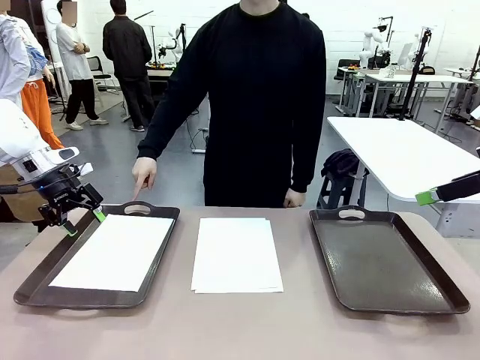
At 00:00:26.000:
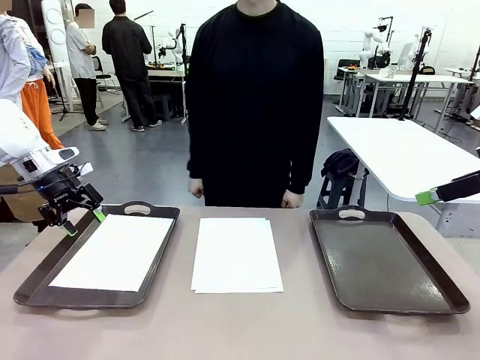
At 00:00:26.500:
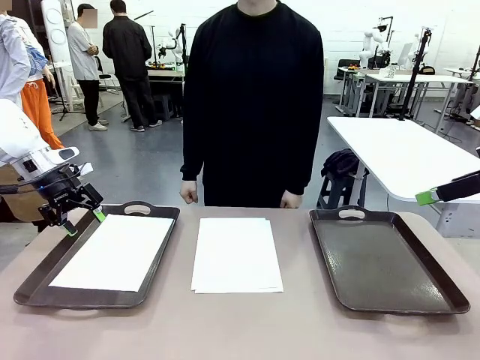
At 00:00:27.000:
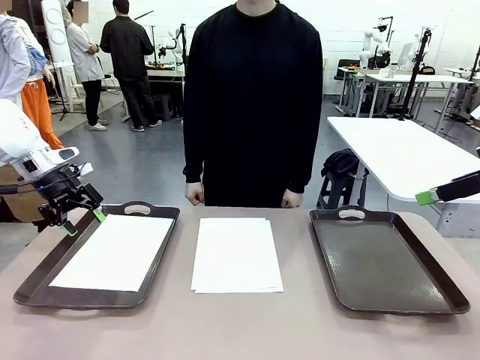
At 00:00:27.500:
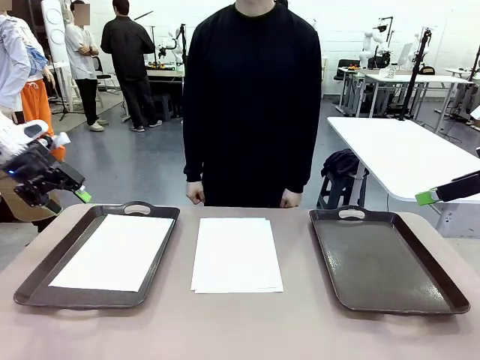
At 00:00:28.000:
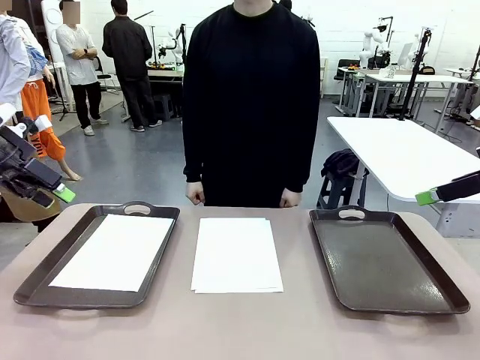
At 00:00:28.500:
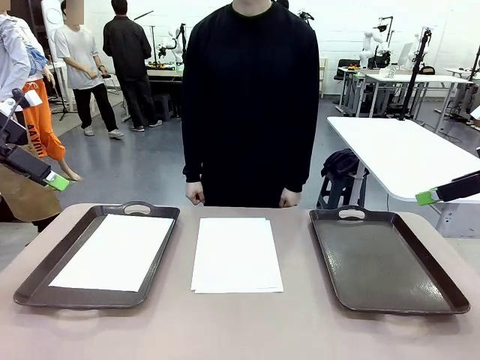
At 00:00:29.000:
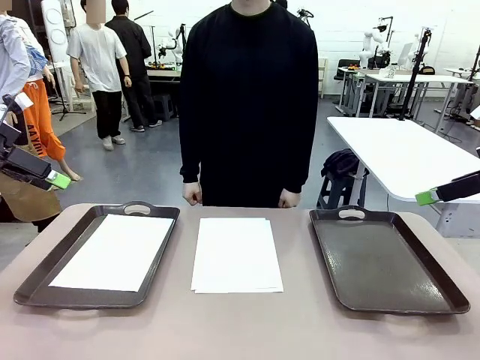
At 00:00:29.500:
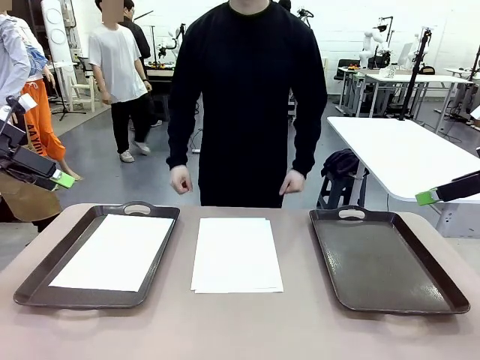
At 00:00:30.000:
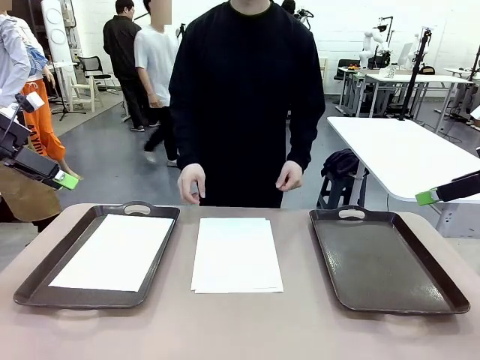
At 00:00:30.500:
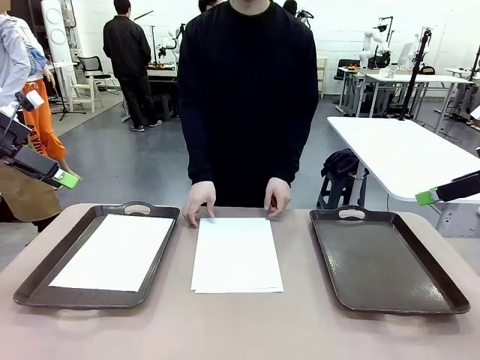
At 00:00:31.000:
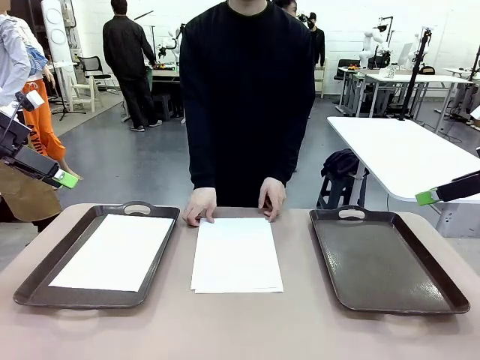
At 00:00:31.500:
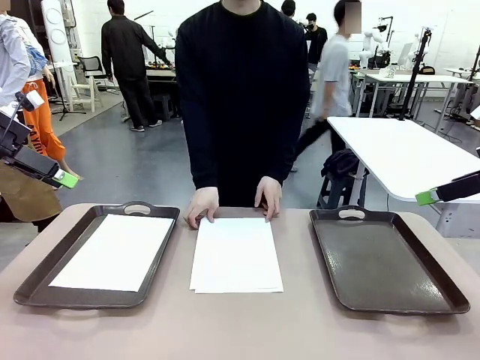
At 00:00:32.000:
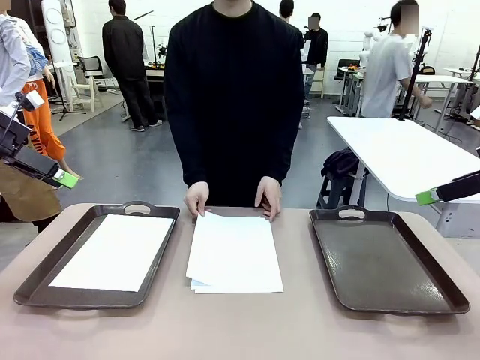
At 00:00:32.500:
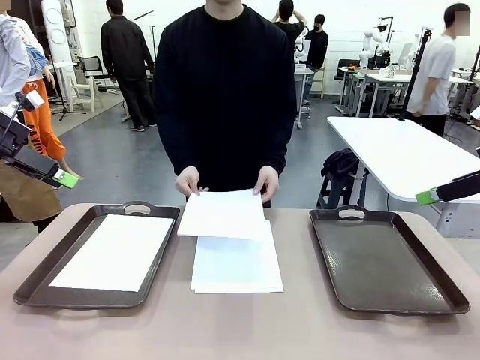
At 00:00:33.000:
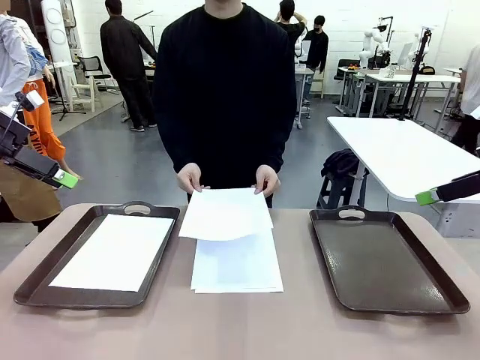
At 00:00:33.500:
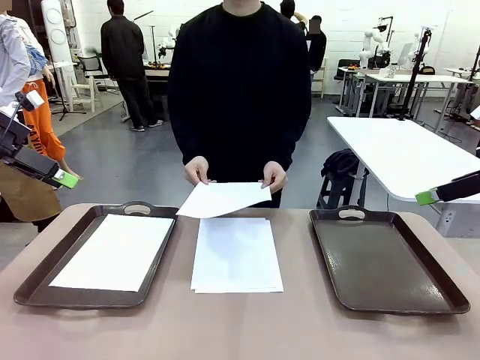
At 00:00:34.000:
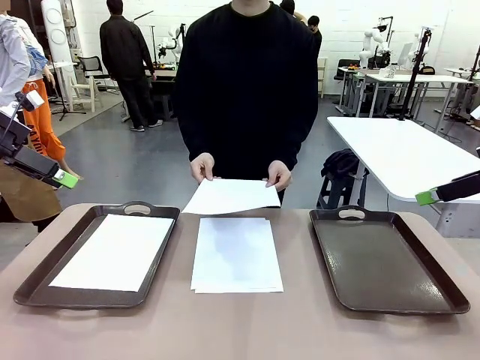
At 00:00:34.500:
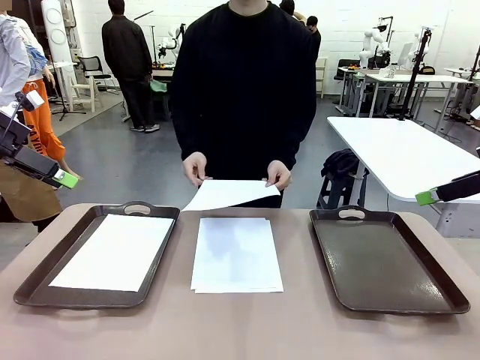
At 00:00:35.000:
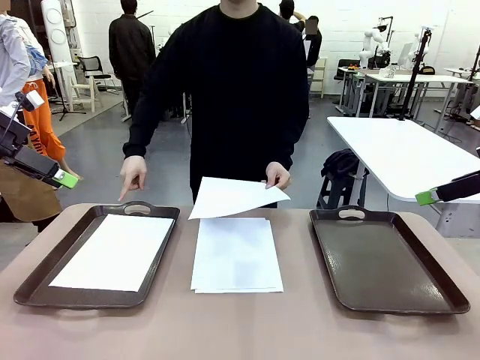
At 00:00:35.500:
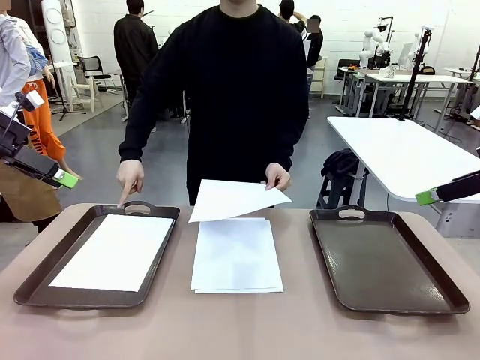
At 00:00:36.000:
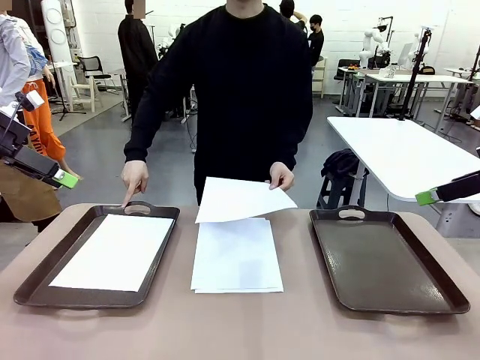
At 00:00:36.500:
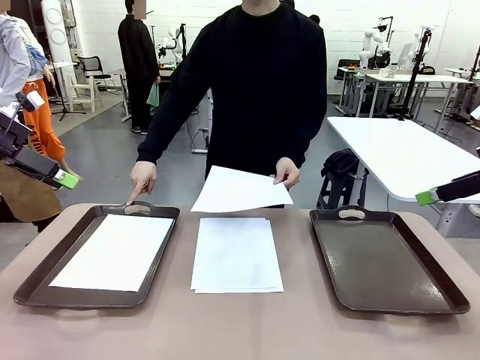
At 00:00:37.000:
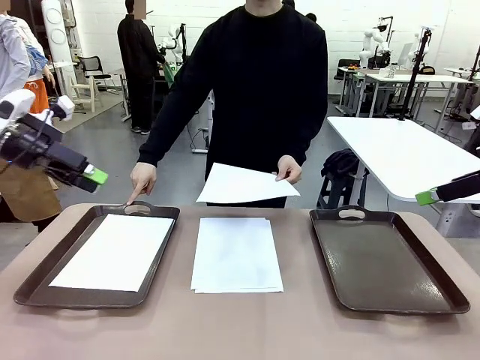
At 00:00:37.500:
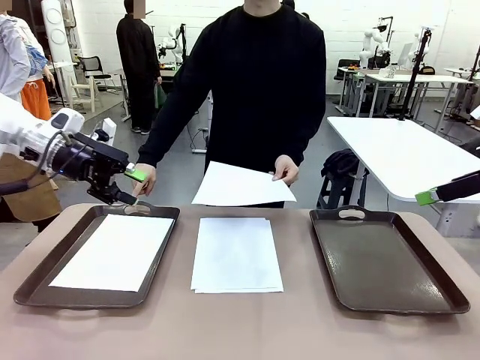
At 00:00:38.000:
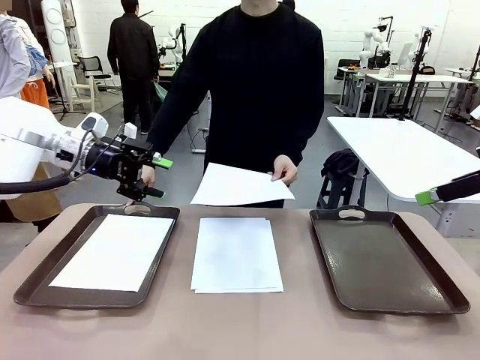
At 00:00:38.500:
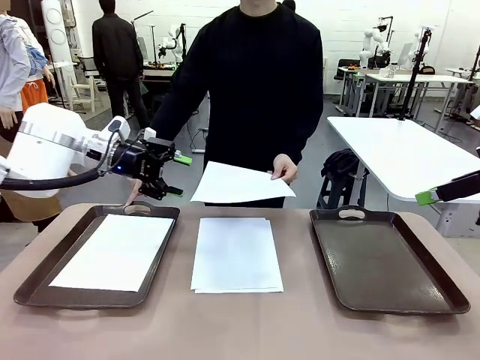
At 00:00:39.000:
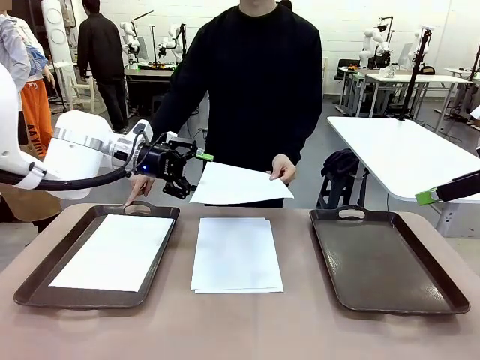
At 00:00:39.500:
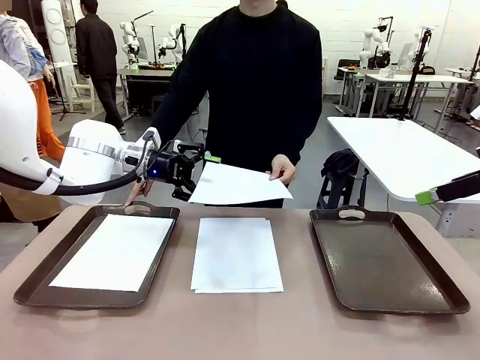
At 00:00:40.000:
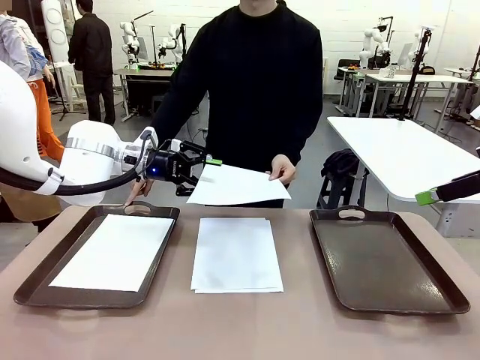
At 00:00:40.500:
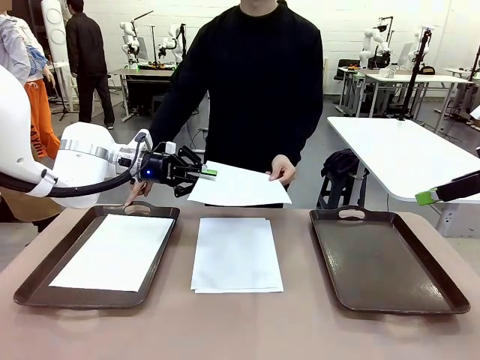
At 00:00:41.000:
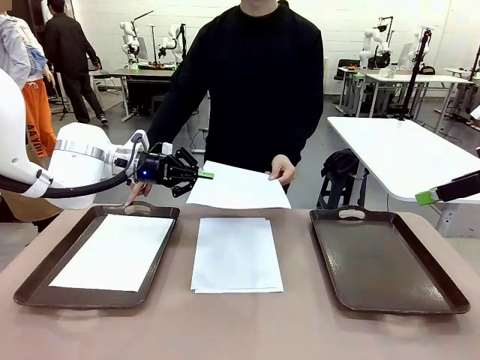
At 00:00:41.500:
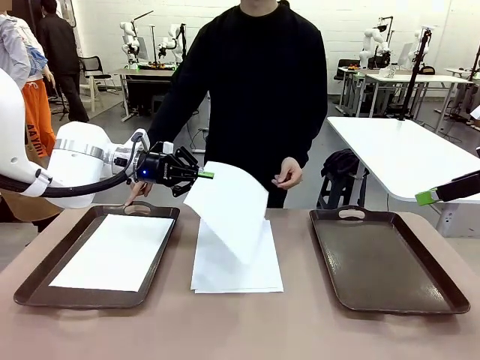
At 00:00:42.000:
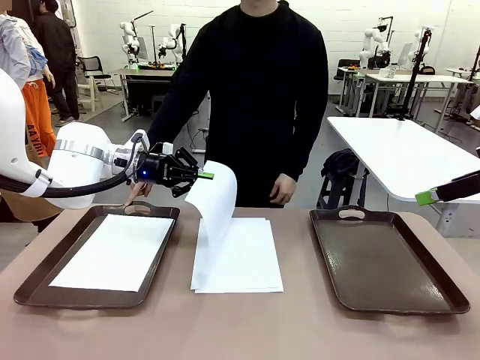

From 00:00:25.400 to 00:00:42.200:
Task: Sort the A4 documents.
Robot: Receive the A4 Paper.
Person: Point the randomly selected tray with the other hand.

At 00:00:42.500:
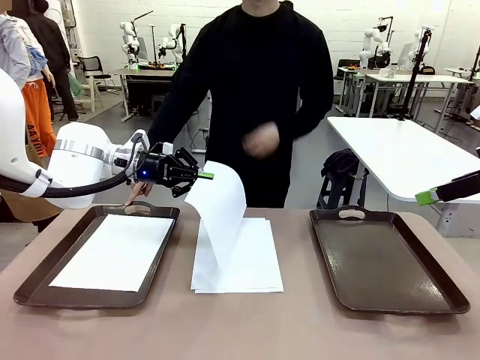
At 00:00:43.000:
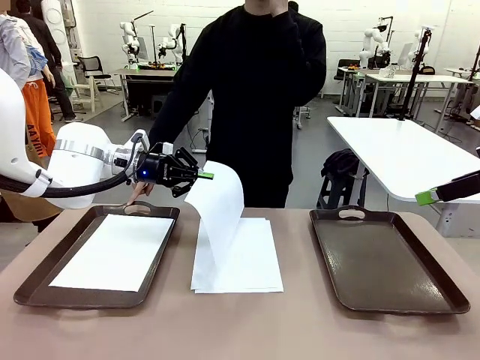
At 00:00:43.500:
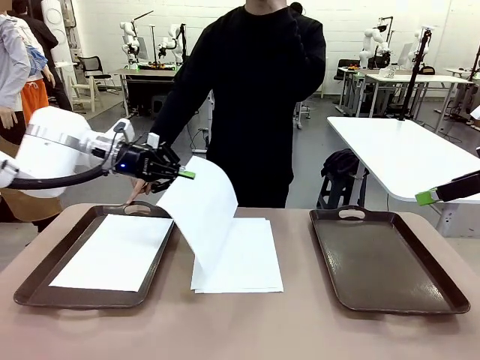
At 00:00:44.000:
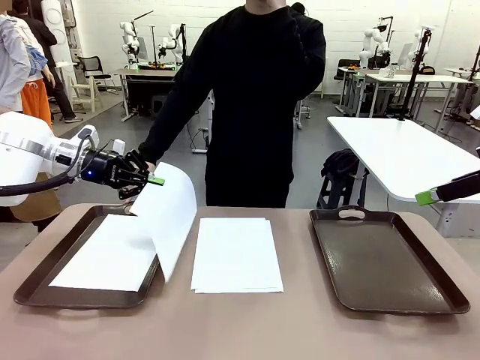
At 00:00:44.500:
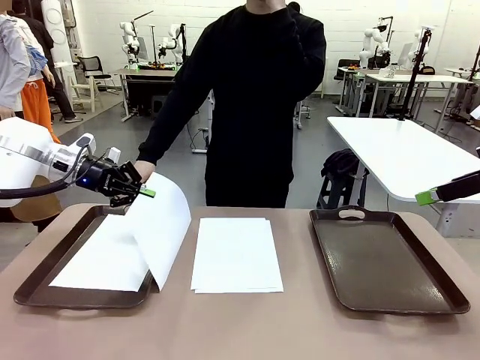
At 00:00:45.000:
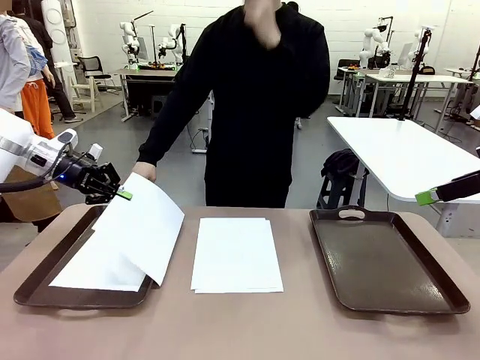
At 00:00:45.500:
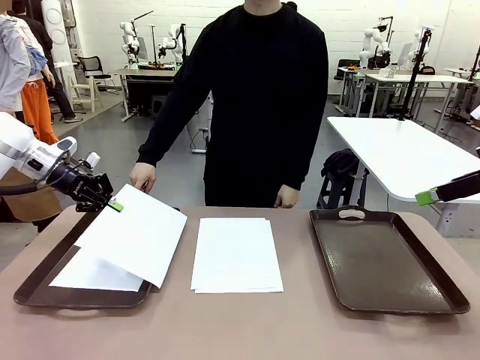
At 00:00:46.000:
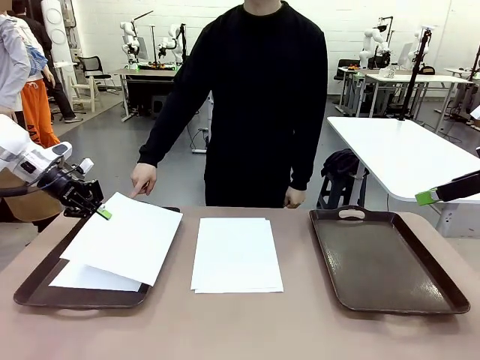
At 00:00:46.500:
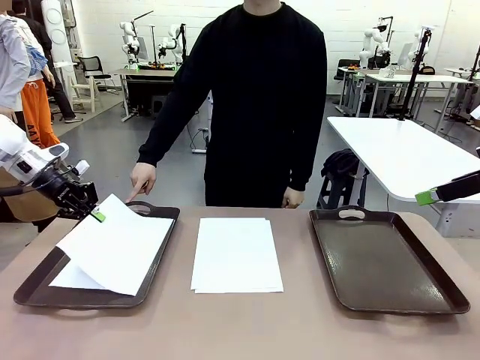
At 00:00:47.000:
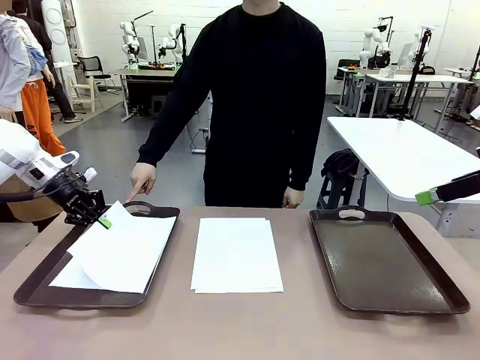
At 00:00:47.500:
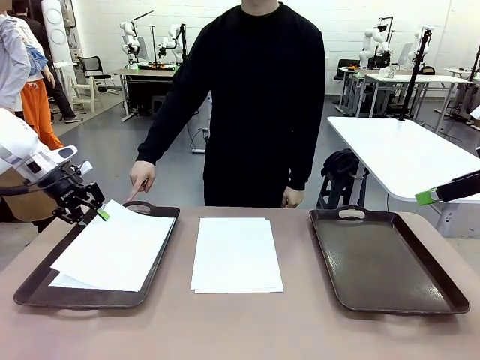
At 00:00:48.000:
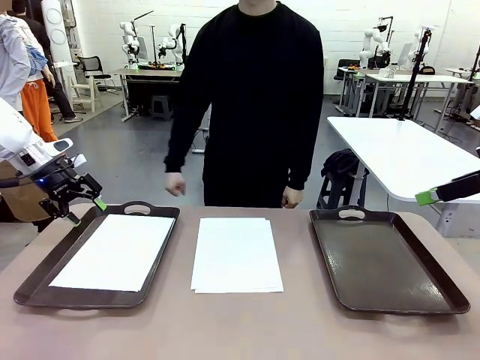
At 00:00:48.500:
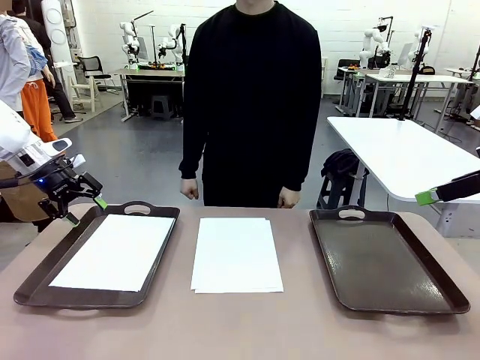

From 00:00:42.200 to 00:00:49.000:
Robot: Place the A4 Paper in the designated Handle tray.

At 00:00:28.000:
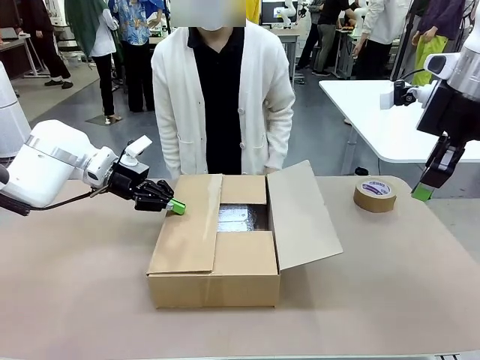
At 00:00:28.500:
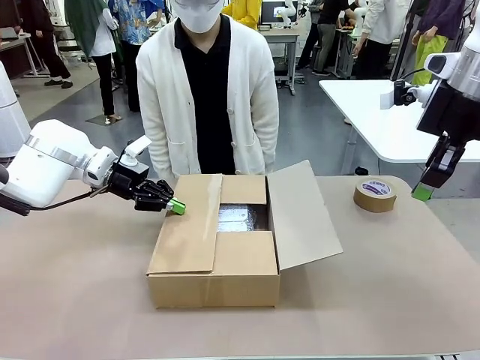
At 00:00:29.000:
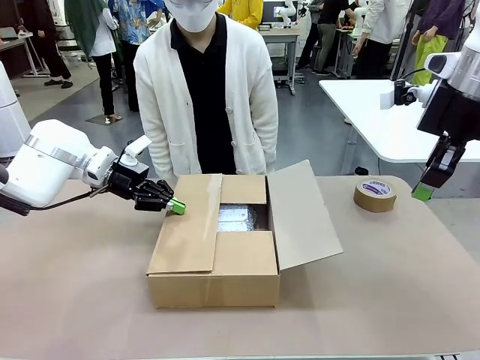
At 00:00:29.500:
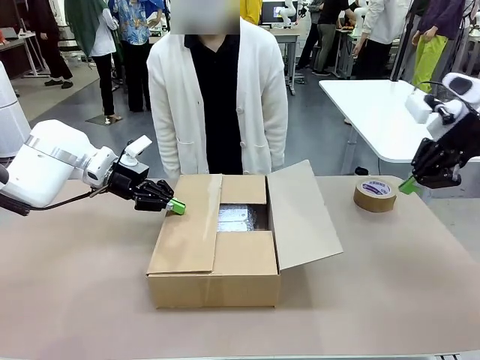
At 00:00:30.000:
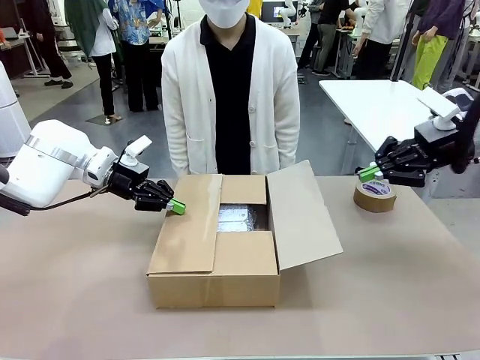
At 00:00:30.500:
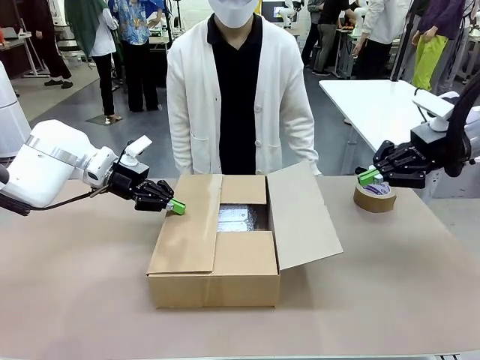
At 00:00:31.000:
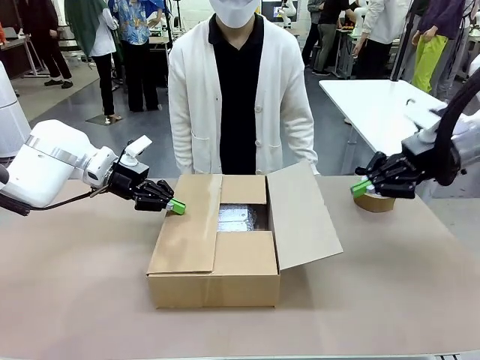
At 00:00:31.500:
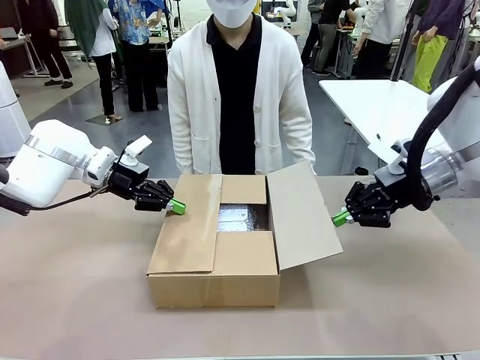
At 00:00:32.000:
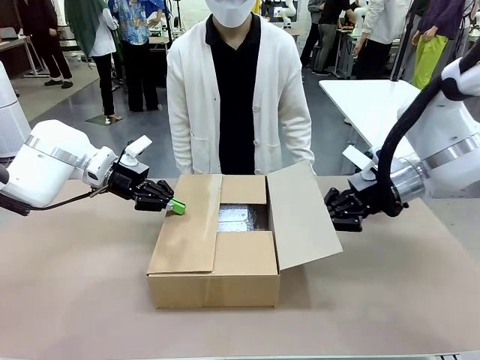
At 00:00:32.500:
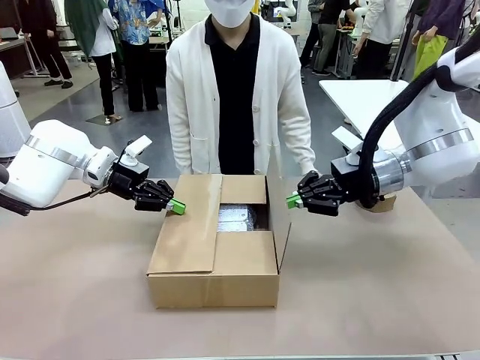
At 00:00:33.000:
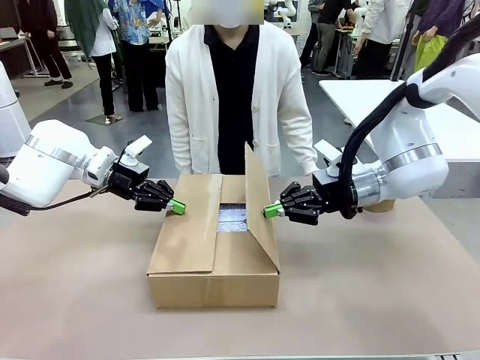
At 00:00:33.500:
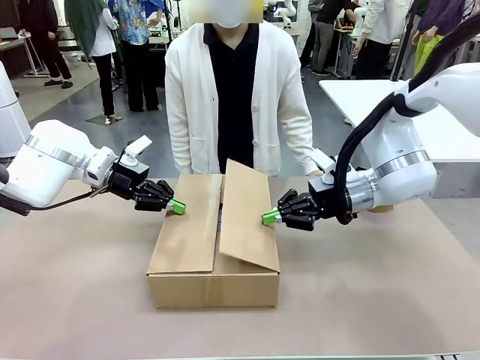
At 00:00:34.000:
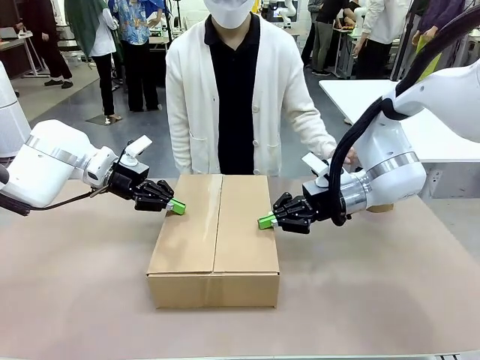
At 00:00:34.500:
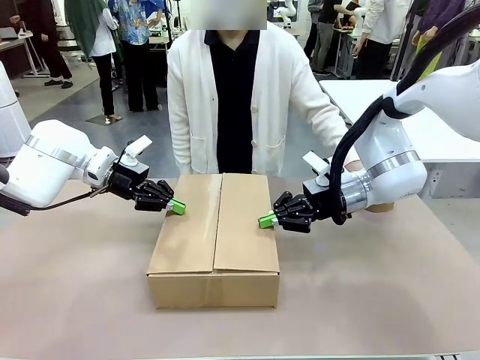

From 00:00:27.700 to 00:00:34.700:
Task: Wrap the clocks to prevent damage.
Robot: Push the left (or right) flap of the Package Box to close it.
